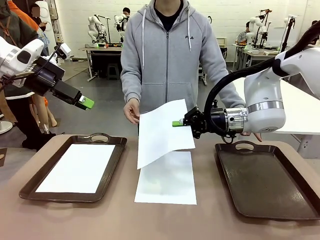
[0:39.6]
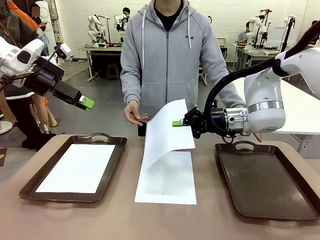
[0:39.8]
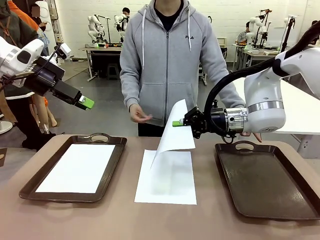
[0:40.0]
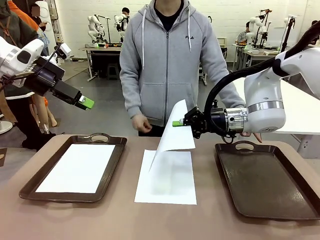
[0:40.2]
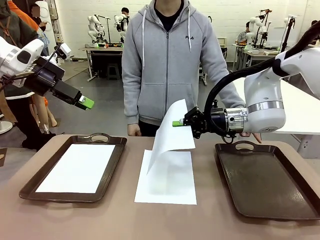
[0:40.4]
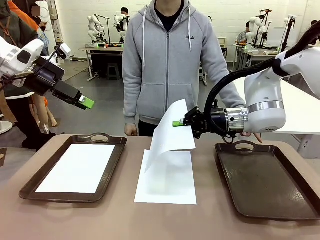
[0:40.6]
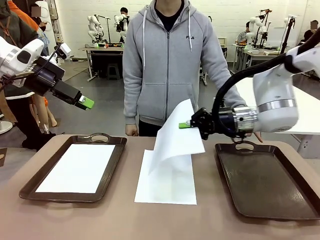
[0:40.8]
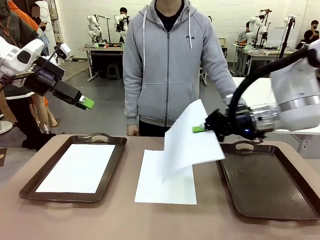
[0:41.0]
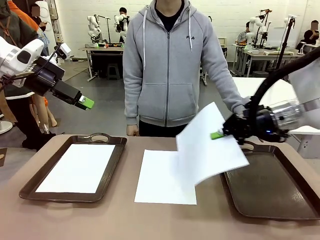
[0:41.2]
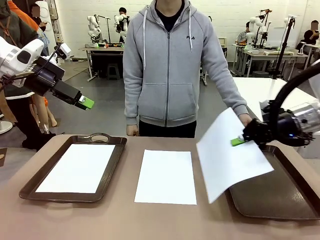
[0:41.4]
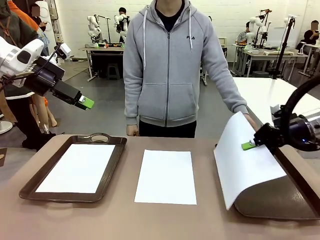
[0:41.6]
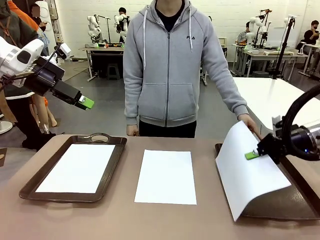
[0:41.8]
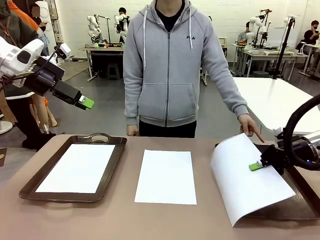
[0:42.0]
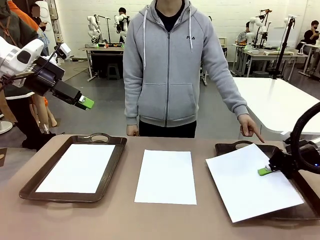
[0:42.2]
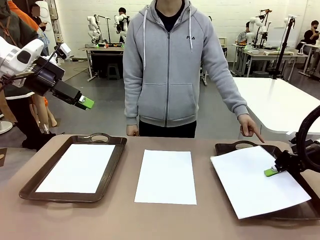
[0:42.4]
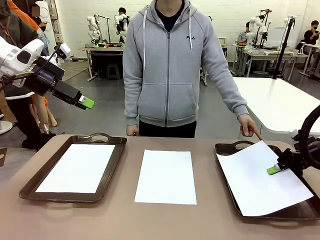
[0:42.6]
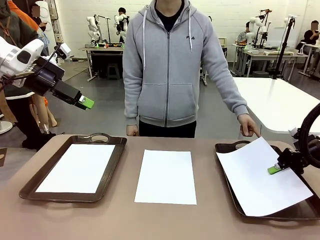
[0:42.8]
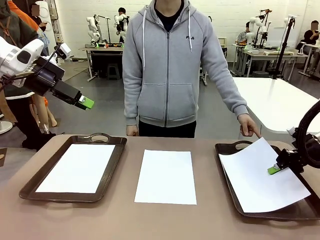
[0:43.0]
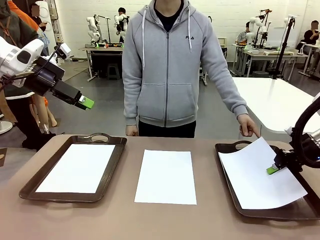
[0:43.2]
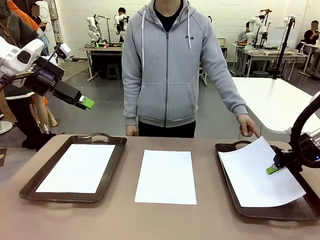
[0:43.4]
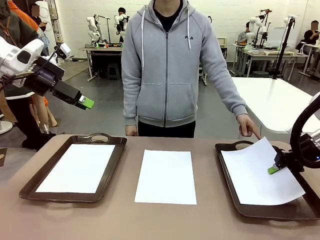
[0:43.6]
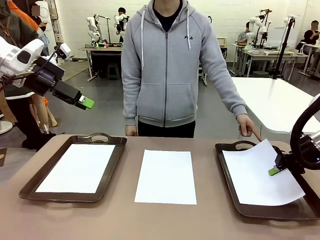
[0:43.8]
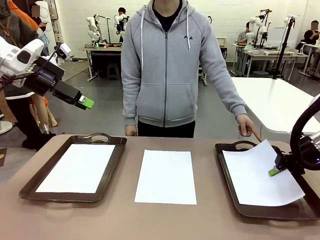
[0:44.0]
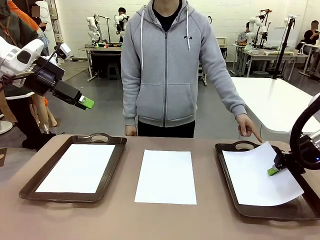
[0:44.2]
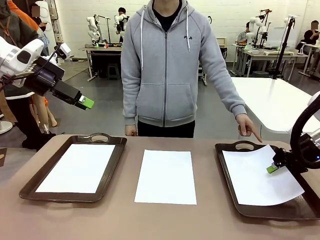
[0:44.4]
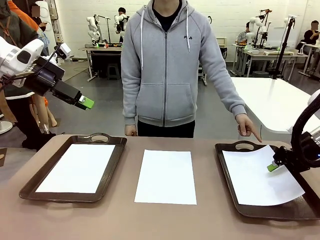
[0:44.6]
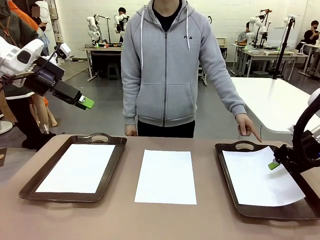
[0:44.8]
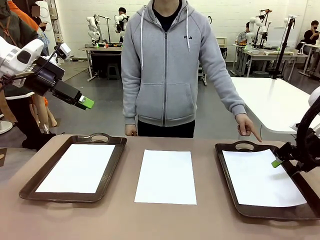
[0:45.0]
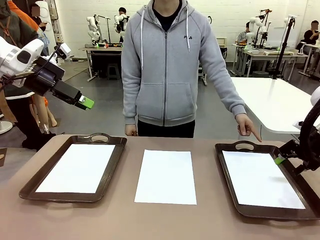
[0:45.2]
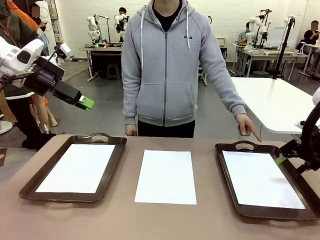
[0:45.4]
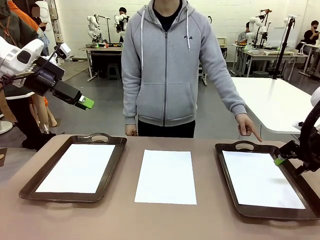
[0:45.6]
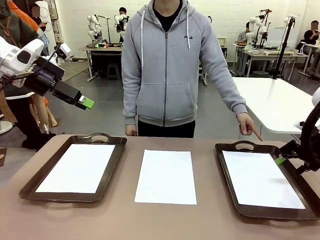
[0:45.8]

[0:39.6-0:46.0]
Task: Sort the A4 documents.
Robot: Place the A4 Paper in the designated Handle tray.

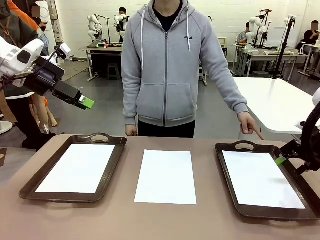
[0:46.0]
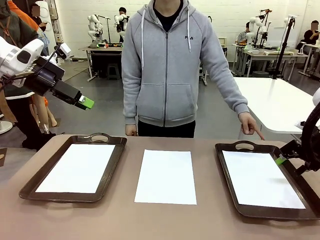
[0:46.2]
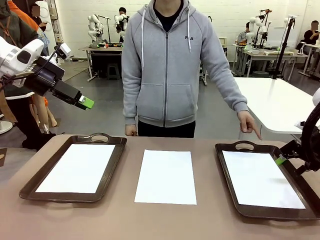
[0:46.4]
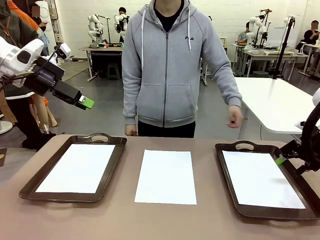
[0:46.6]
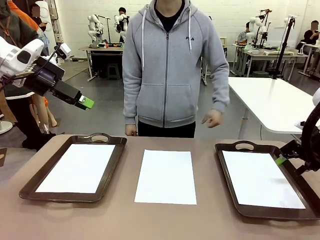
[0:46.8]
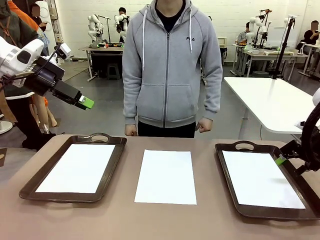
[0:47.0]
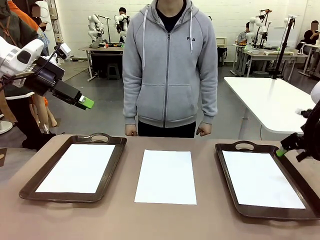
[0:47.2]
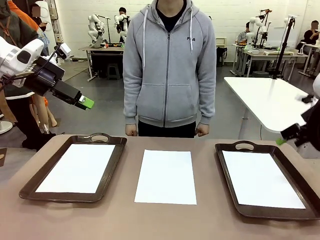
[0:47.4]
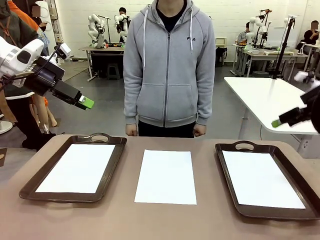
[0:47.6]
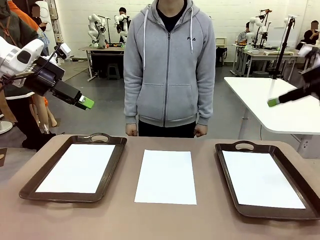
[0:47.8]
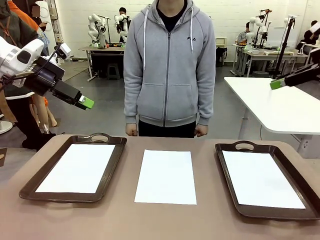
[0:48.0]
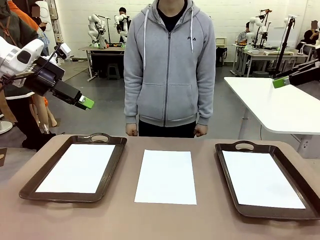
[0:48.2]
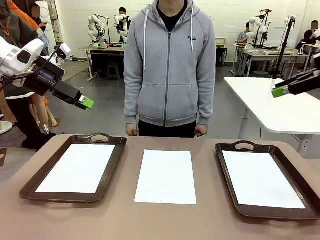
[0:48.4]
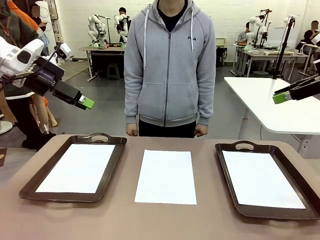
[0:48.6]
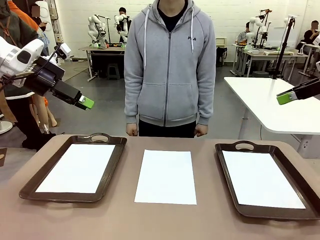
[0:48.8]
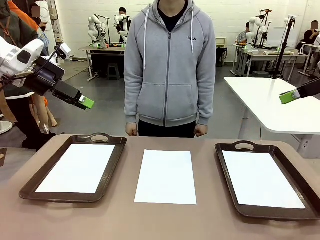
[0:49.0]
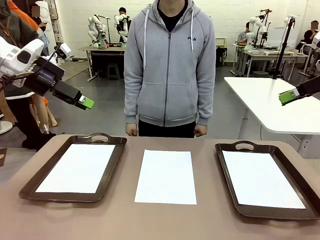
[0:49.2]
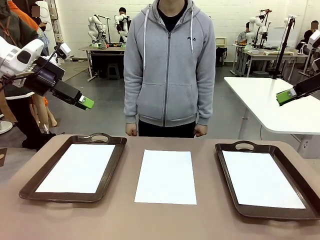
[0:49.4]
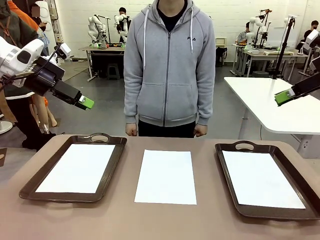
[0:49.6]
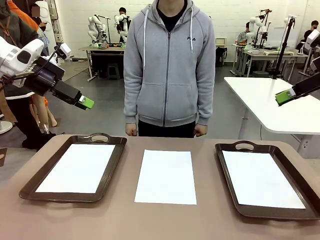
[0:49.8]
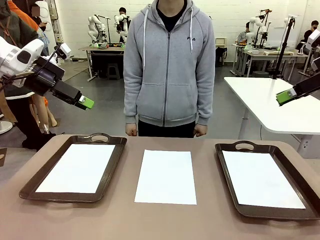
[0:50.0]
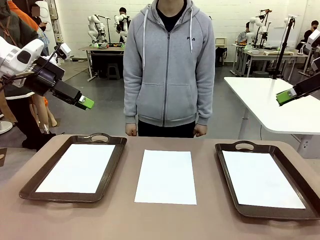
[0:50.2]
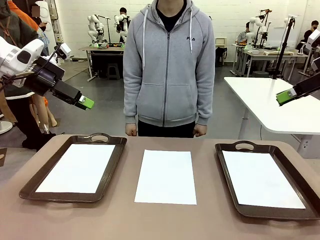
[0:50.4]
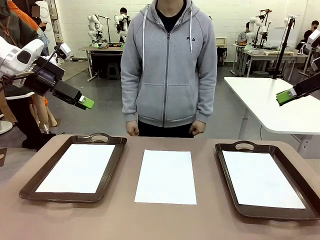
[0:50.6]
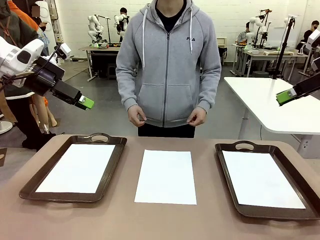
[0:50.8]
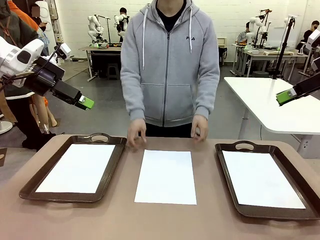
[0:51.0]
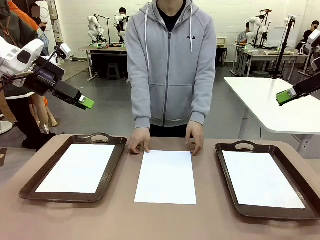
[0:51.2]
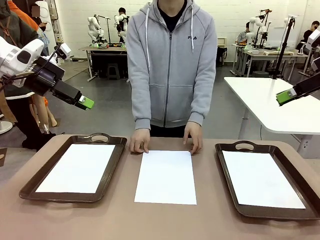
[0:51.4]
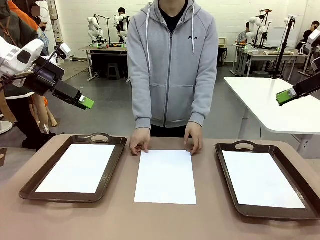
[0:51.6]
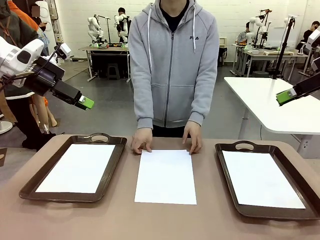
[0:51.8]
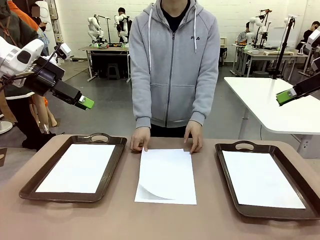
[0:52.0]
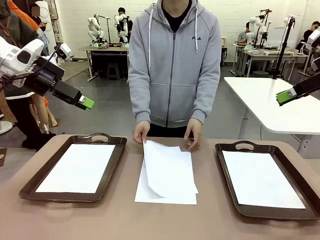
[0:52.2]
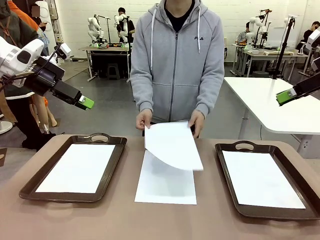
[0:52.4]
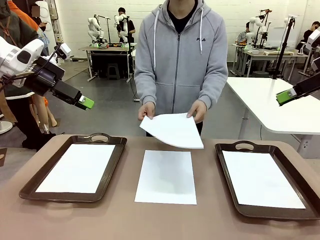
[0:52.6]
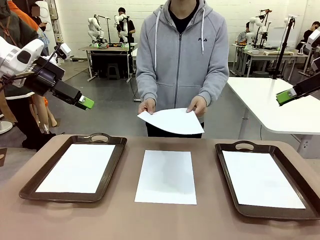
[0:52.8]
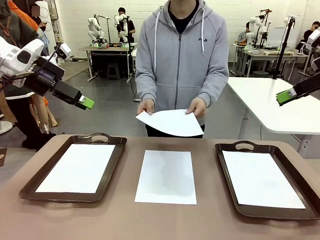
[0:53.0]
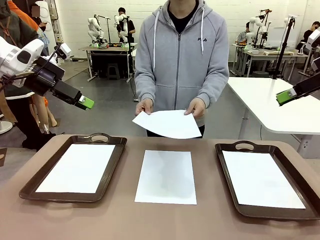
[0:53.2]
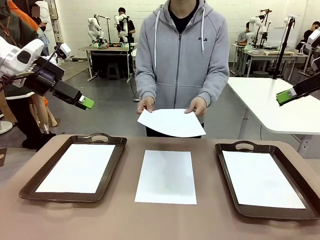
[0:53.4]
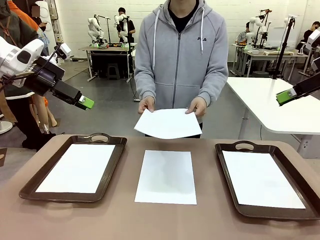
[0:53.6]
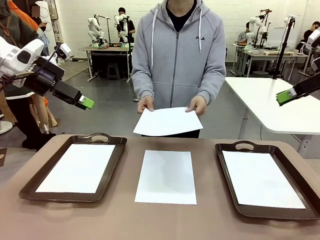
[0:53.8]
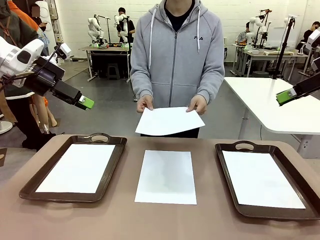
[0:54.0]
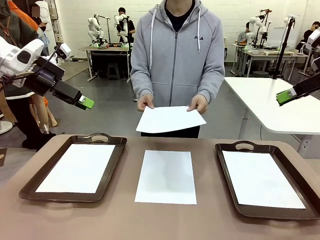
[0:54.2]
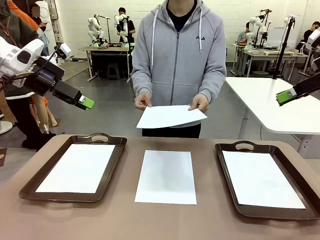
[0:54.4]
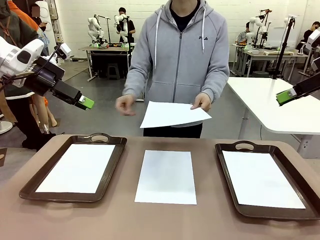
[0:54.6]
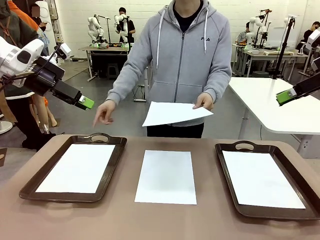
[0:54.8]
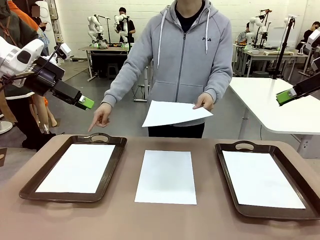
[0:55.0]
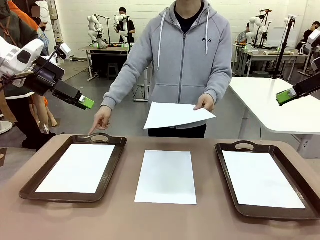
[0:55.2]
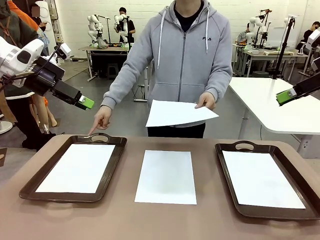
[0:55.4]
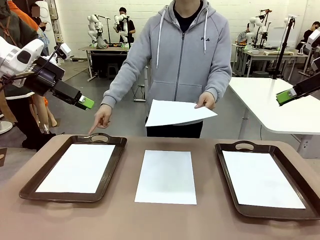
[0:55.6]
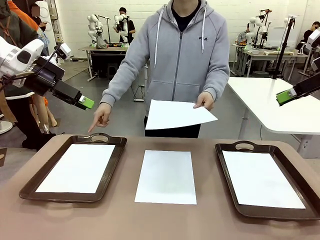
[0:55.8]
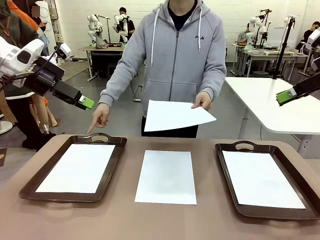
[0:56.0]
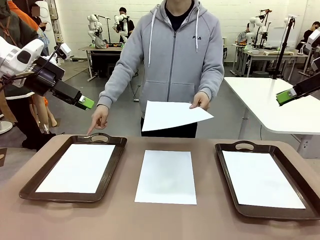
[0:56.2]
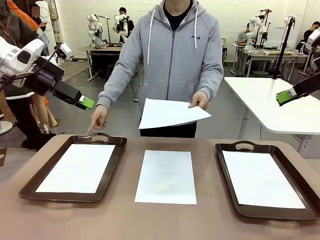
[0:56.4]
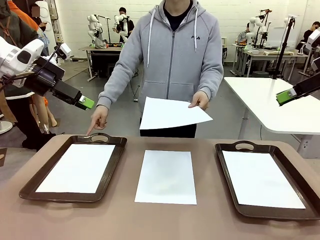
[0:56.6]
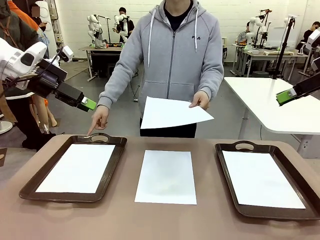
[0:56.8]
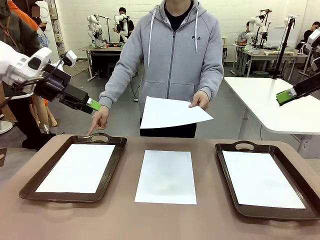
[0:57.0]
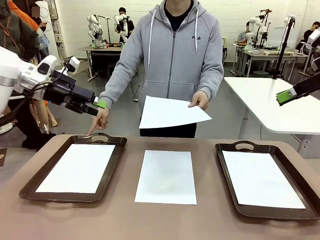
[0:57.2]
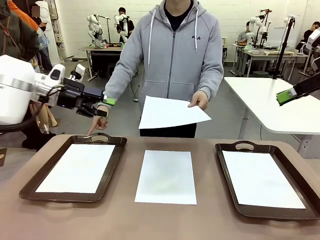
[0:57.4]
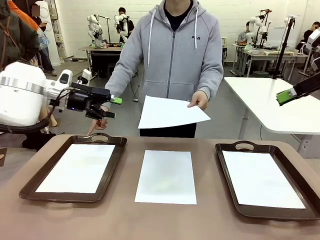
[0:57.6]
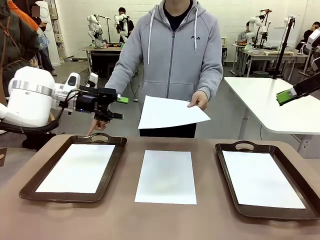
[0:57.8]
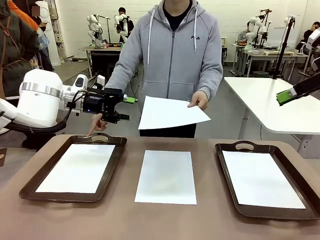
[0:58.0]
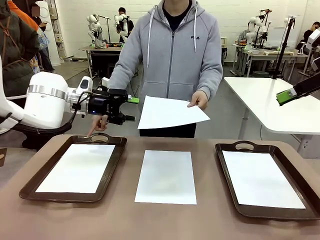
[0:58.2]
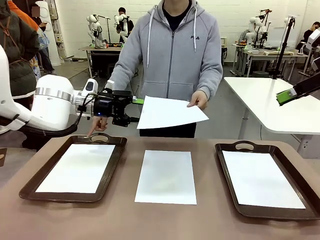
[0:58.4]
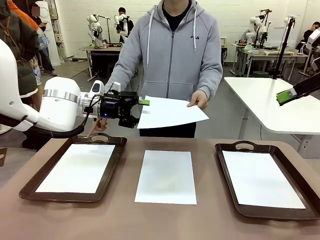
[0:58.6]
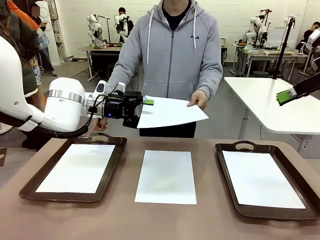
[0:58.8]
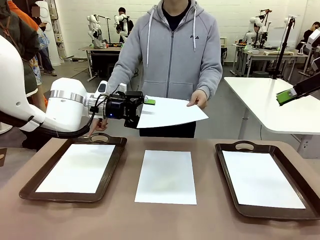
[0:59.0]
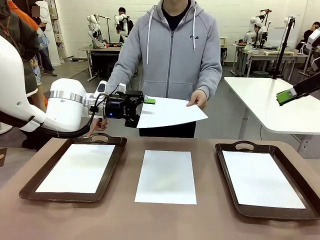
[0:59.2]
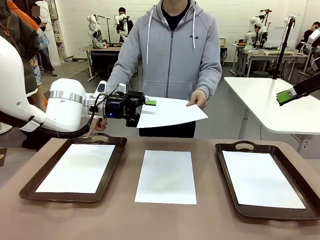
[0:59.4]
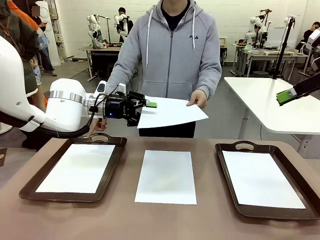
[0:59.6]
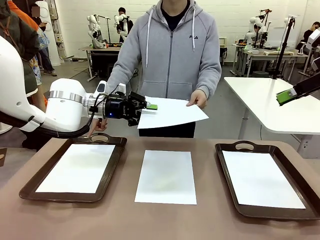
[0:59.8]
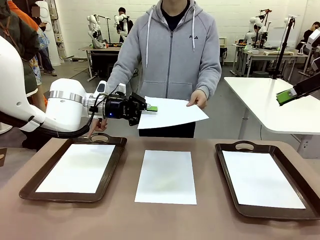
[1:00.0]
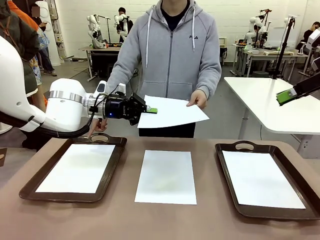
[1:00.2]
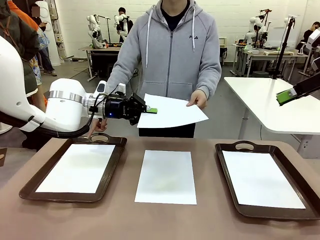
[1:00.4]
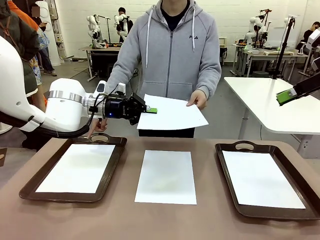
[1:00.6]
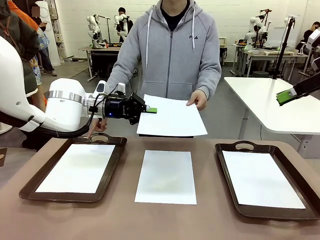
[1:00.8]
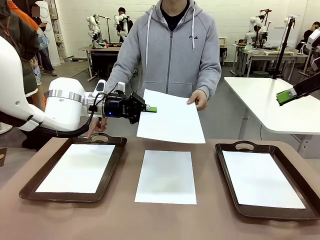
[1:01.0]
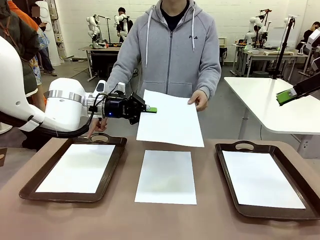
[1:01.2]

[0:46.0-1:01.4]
Robot: Receive the A4 Paper.
Person: Point the randomly selected tray with the other hand.
